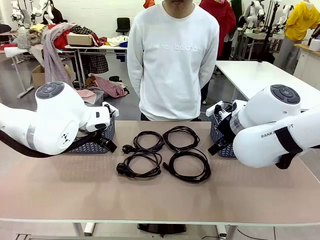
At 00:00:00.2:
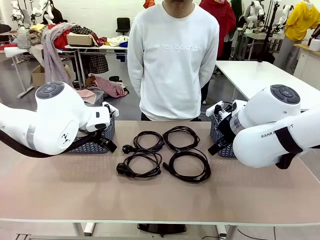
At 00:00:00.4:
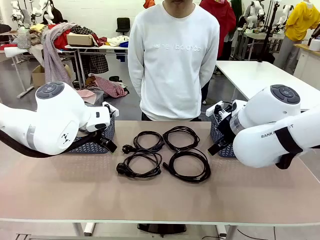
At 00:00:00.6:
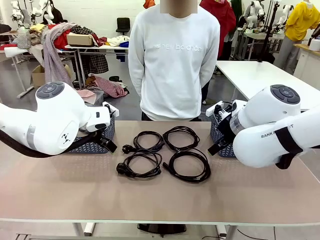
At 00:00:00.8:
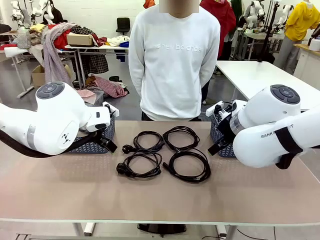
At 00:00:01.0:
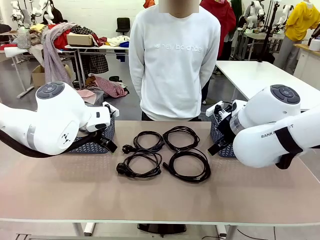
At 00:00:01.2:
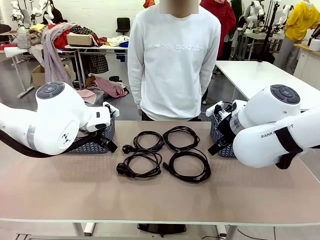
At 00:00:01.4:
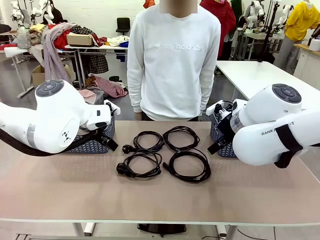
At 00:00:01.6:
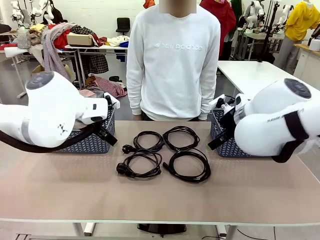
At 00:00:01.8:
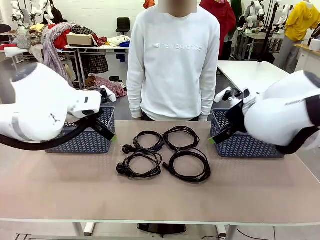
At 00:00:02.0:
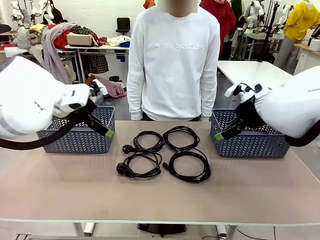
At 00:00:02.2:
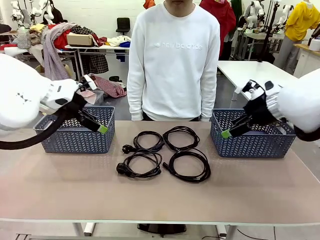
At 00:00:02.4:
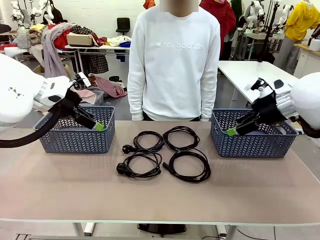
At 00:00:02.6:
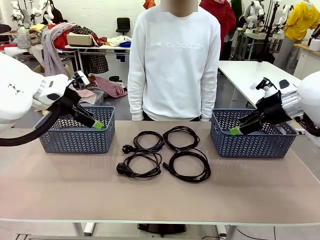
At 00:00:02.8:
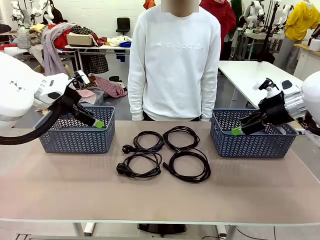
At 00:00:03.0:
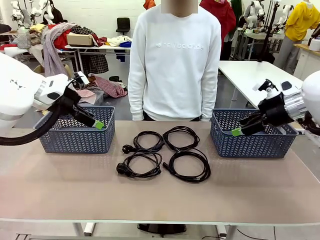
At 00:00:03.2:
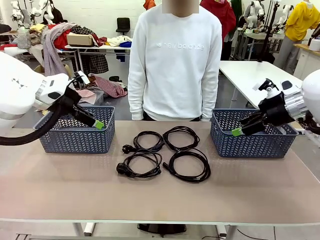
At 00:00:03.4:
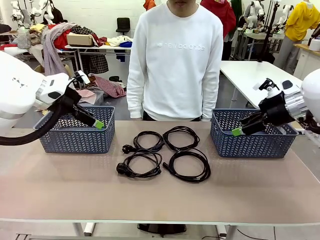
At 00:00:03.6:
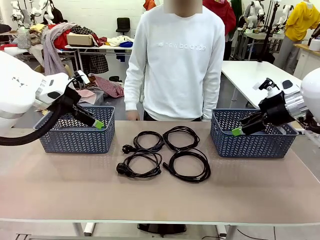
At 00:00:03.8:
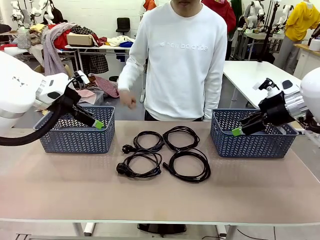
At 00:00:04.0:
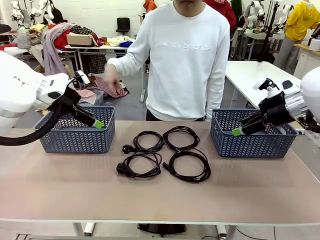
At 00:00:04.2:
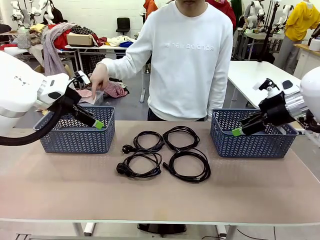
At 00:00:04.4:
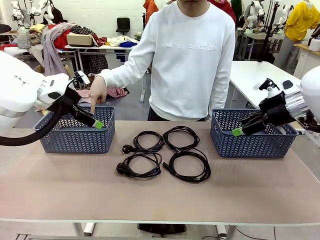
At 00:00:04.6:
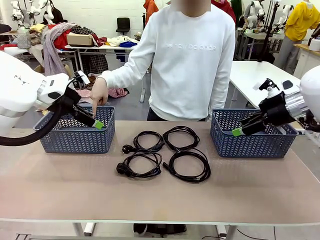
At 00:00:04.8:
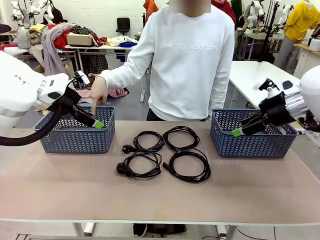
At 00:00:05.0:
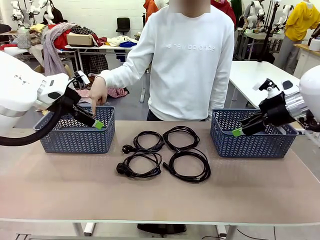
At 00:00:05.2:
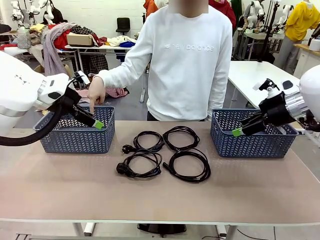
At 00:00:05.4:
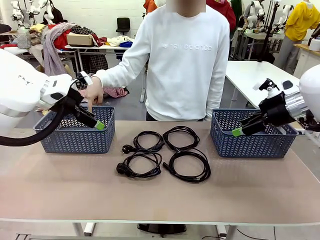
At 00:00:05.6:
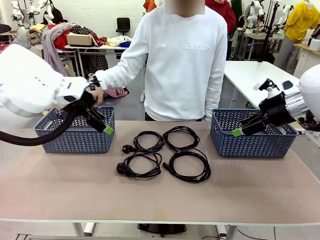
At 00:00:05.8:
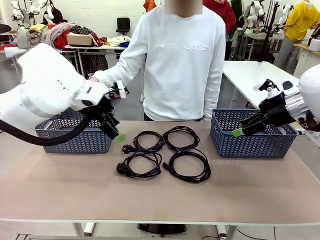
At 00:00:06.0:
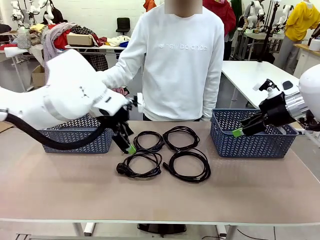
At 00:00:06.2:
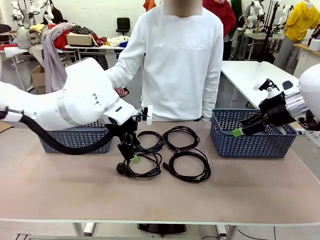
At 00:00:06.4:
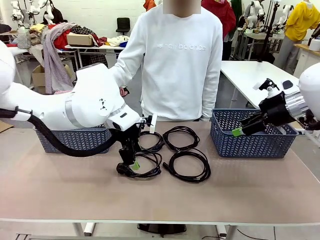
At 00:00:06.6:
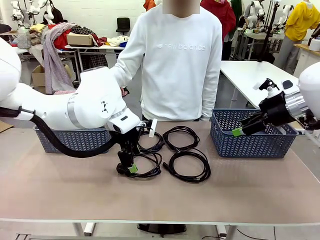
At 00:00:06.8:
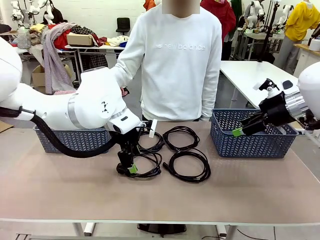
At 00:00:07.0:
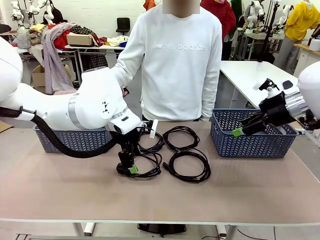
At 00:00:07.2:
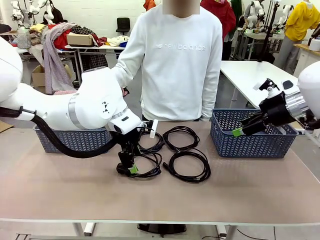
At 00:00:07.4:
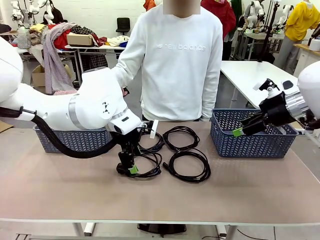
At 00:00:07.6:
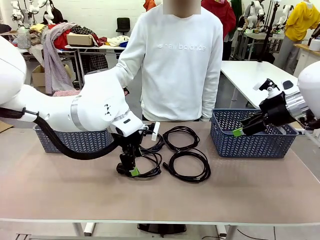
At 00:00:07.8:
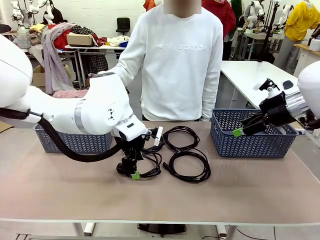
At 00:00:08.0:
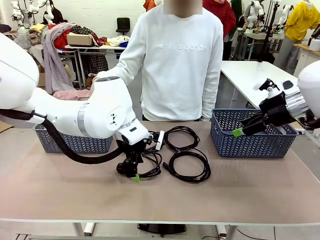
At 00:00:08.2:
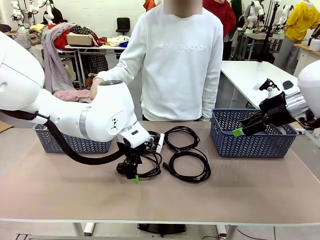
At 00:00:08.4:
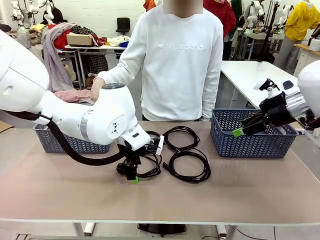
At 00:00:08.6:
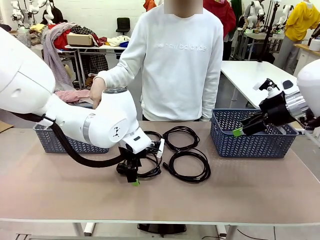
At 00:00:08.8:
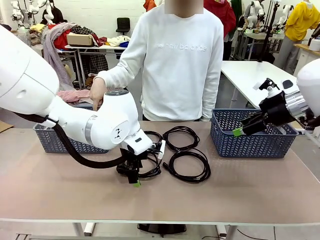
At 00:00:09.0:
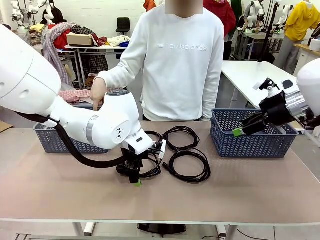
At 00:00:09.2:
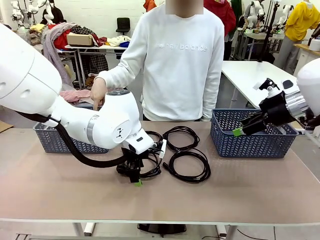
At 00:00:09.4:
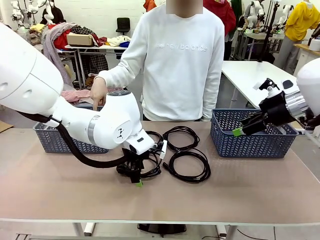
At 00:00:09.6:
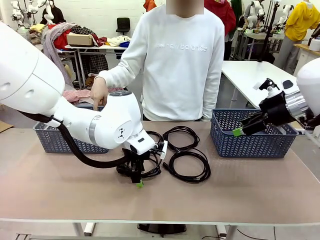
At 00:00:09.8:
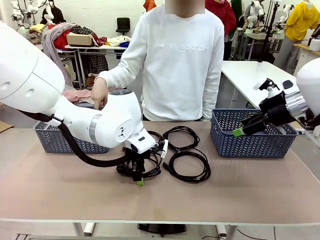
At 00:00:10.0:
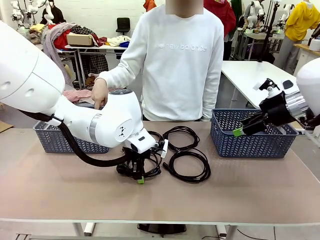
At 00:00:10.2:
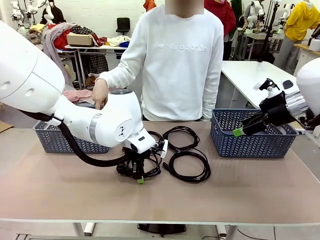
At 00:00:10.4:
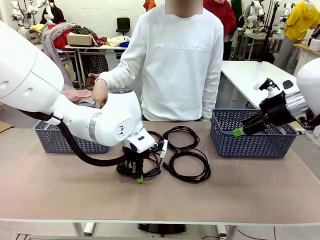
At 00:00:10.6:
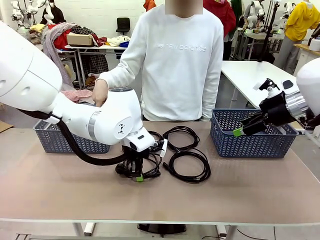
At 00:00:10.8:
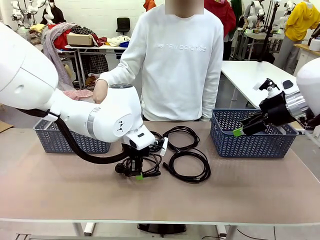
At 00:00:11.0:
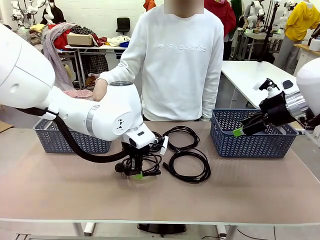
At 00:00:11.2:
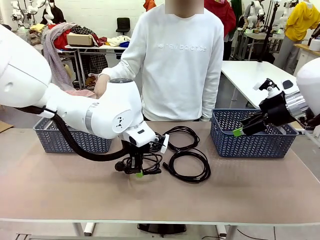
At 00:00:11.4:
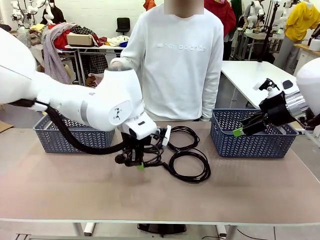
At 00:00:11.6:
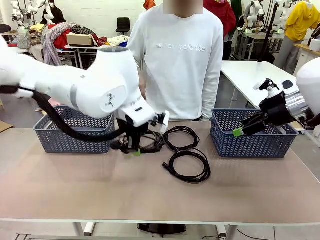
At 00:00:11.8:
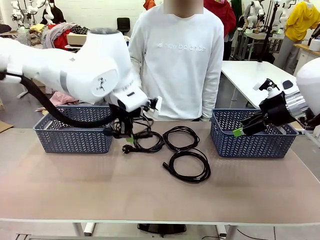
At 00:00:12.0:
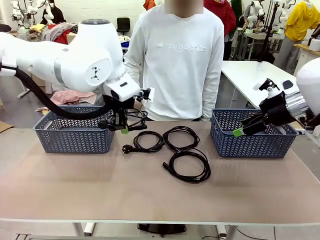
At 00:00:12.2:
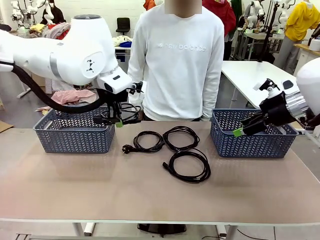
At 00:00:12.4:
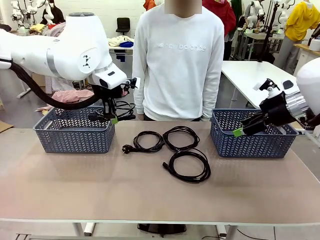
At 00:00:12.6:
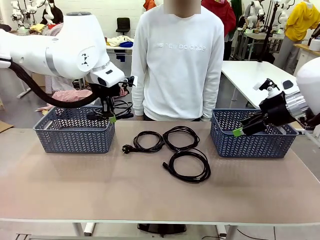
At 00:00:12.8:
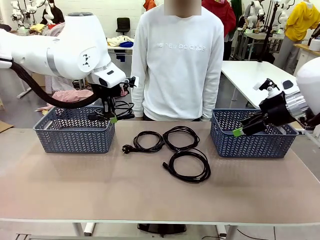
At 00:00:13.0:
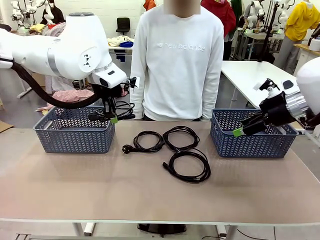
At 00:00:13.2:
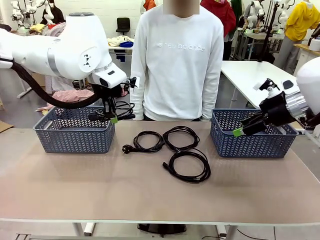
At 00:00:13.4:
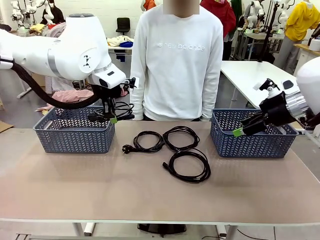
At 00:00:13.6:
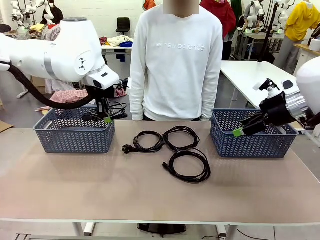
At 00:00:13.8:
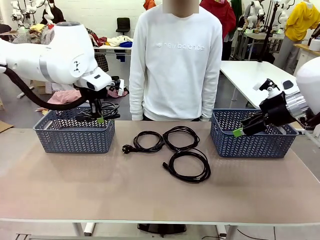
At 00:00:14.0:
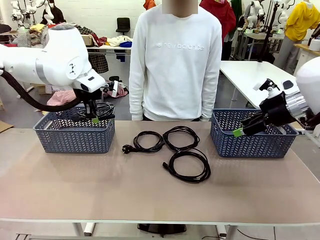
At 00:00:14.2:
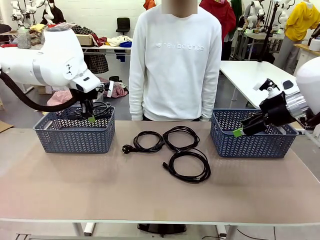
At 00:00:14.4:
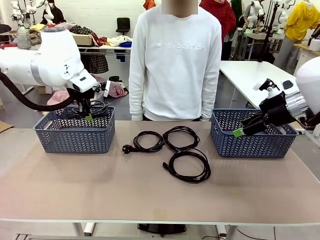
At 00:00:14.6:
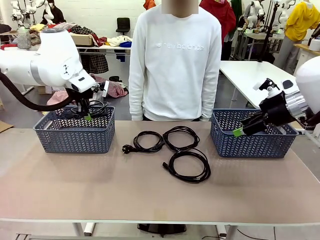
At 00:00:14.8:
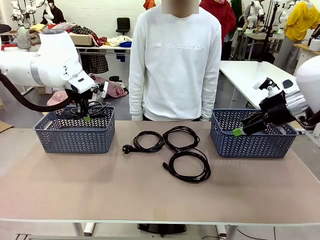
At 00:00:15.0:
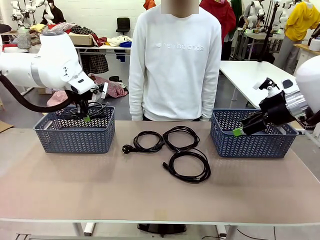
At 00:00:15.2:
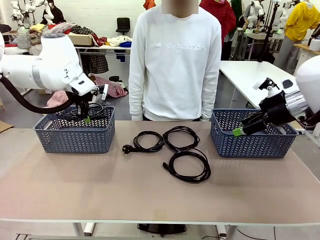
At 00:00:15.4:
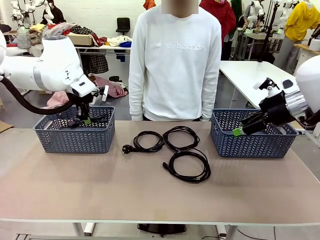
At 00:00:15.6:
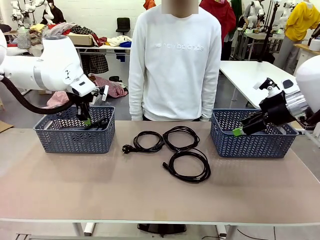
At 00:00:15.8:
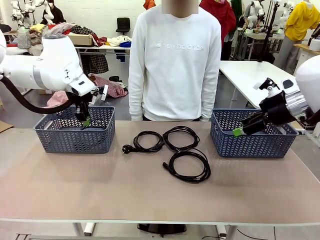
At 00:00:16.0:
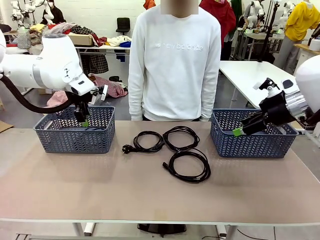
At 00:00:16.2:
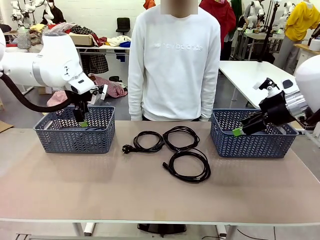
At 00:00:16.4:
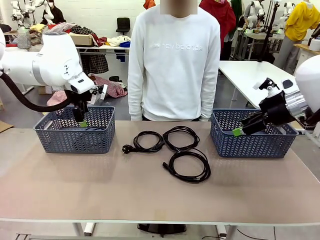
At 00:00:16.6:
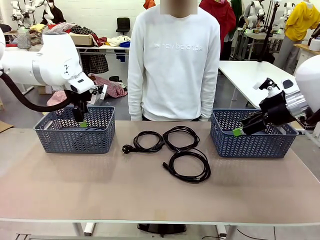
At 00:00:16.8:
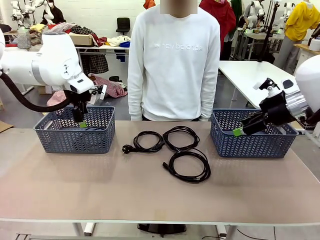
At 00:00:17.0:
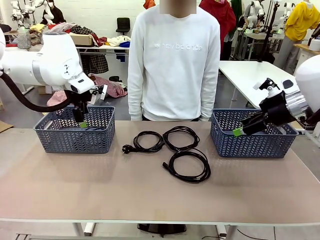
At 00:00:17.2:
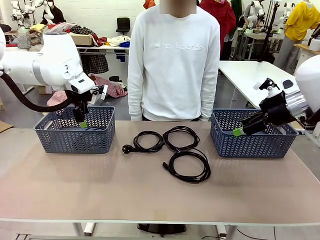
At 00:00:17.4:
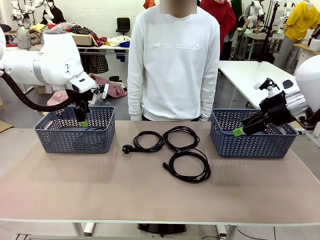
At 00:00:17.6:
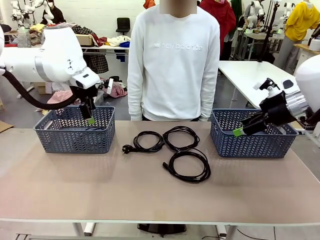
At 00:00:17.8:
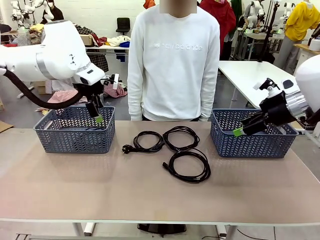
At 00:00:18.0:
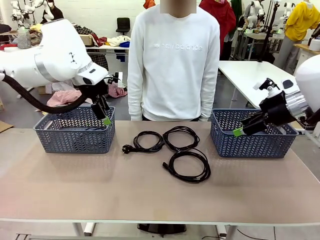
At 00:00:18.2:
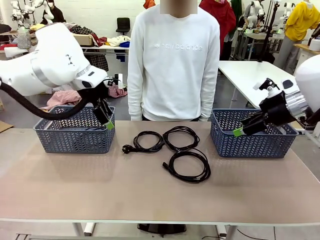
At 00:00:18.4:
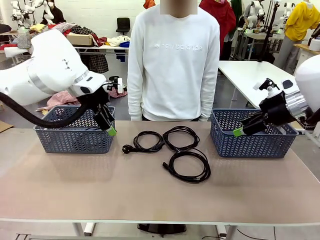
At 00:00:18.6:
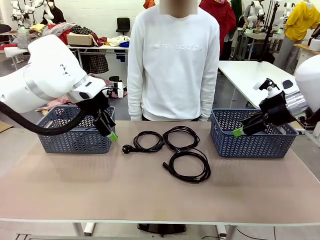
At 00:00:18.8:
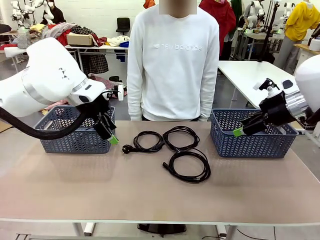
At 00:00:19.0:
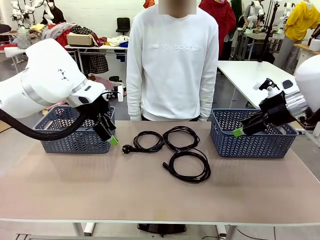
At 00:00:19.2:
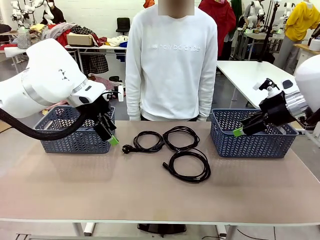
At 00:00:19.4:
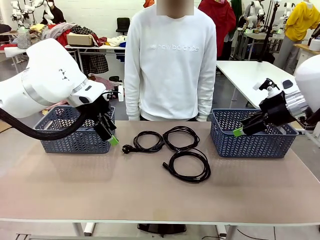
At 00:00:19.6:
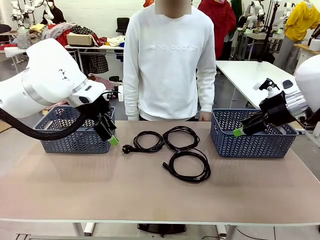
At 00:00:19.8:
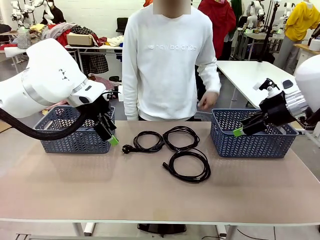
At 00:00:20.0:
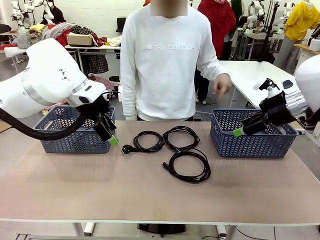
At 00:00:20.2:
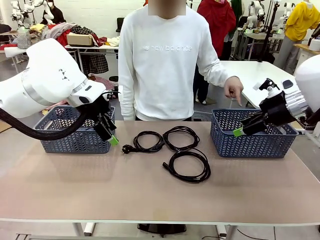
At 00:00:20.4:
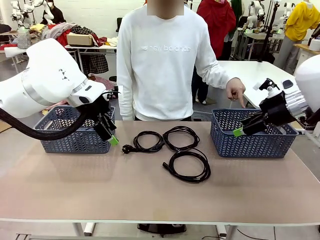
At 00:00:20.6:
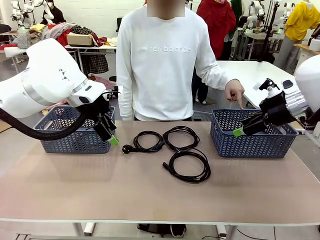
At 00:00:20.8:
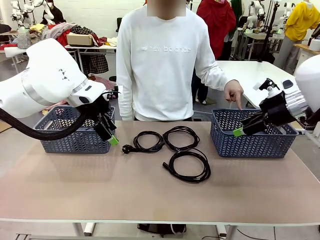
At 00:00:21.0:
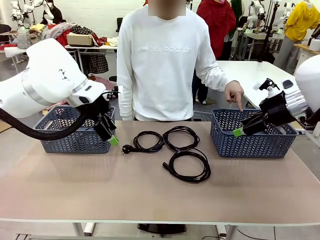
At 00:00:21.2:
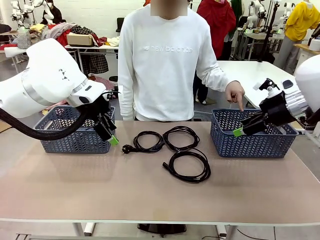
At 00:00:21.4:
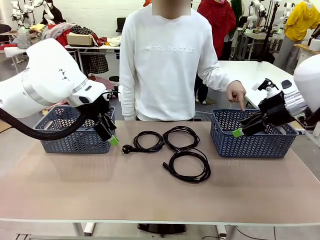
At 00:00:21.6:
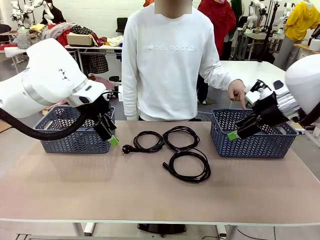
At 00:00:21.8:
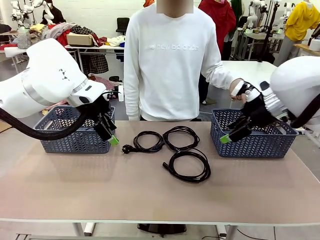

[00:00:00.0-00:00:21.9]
Task: Organize the cables according to human instructions.
Robot: Pick up a bundle of cables and place it in the basket indicated by the human.
